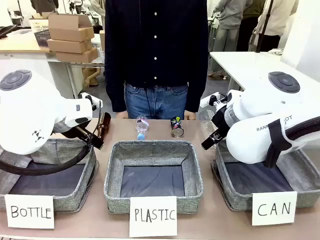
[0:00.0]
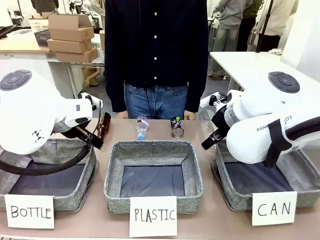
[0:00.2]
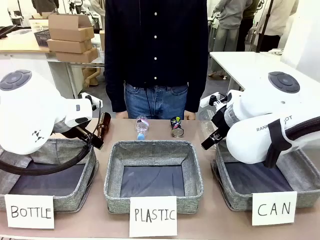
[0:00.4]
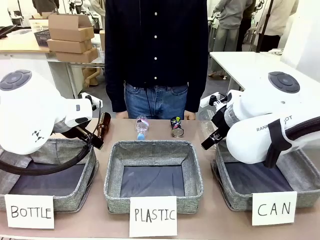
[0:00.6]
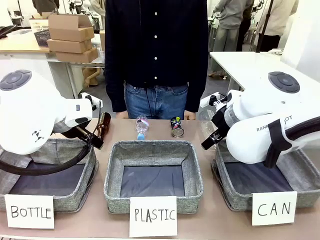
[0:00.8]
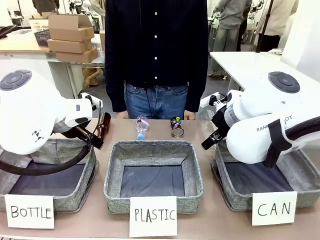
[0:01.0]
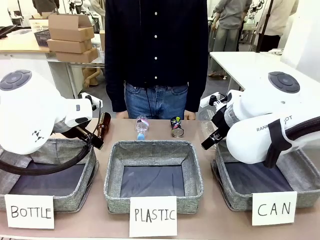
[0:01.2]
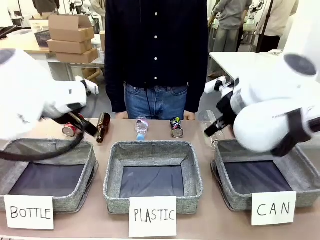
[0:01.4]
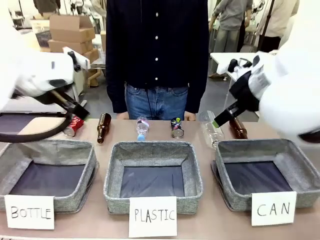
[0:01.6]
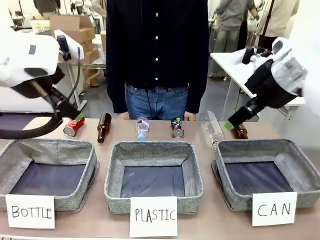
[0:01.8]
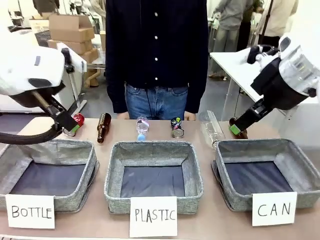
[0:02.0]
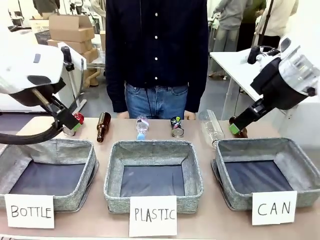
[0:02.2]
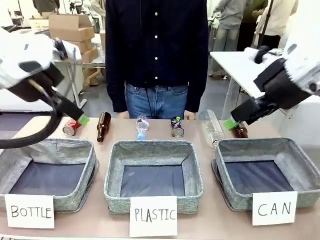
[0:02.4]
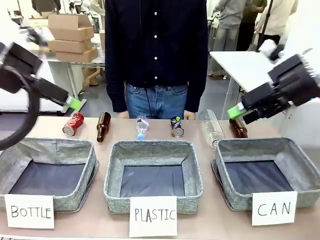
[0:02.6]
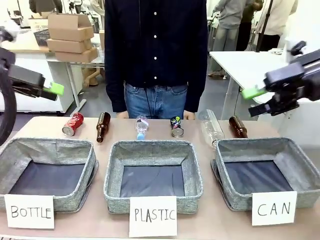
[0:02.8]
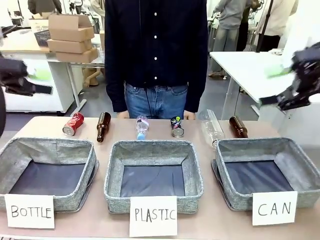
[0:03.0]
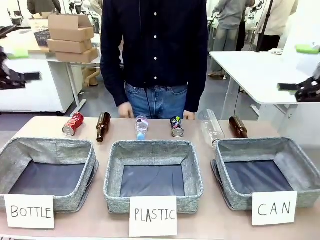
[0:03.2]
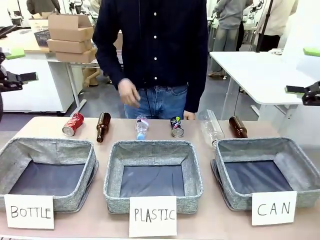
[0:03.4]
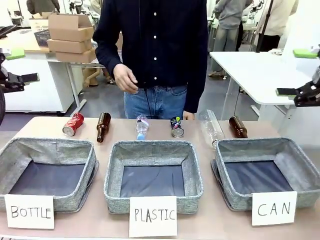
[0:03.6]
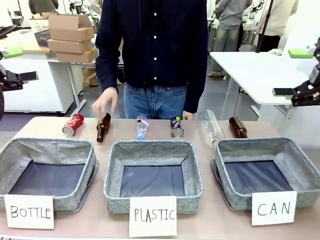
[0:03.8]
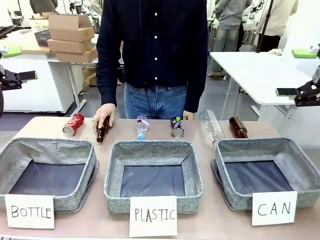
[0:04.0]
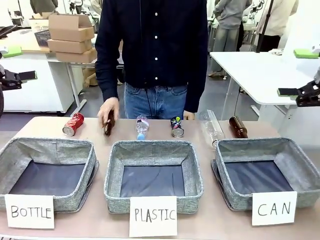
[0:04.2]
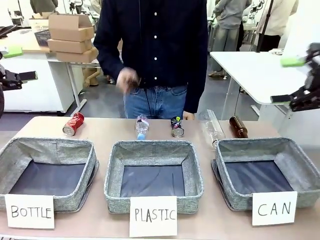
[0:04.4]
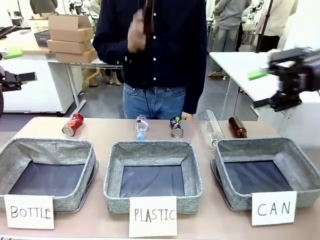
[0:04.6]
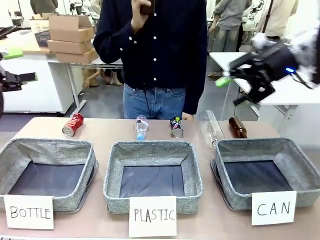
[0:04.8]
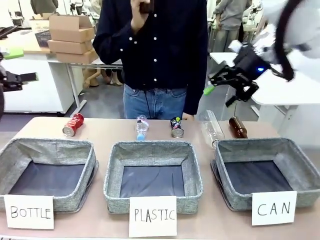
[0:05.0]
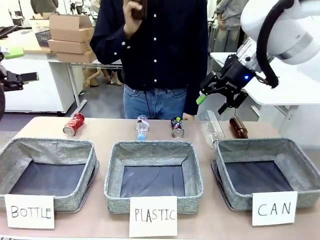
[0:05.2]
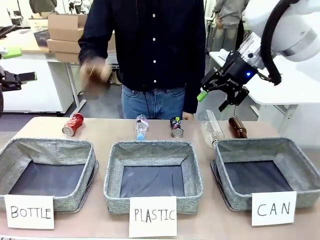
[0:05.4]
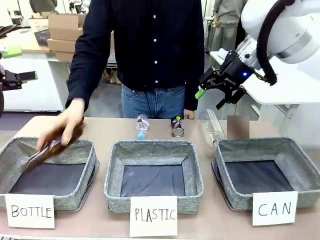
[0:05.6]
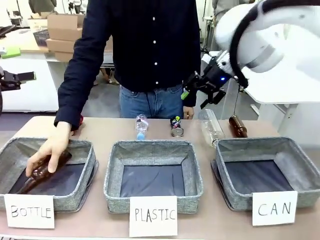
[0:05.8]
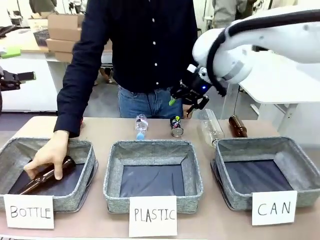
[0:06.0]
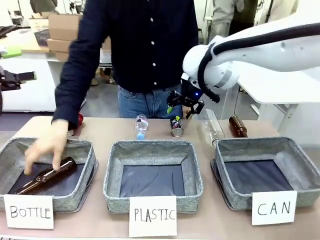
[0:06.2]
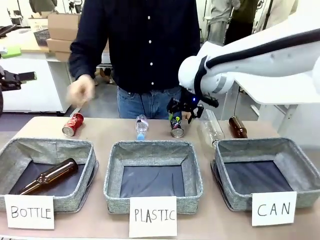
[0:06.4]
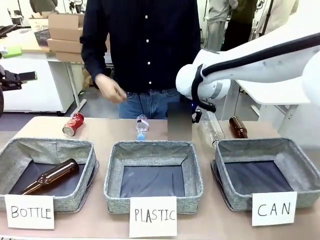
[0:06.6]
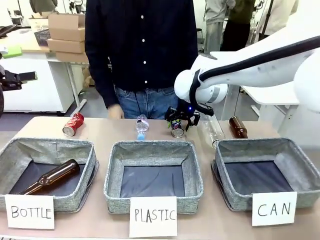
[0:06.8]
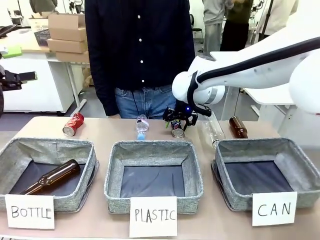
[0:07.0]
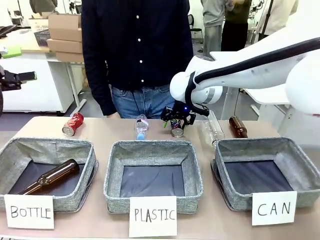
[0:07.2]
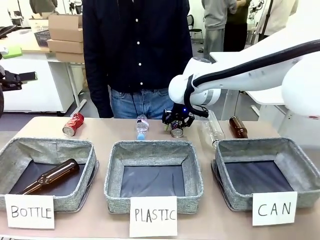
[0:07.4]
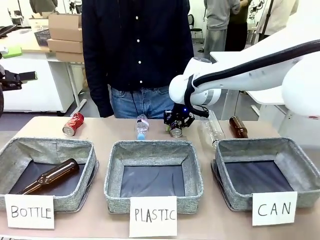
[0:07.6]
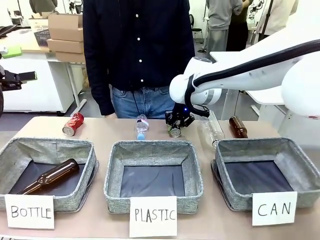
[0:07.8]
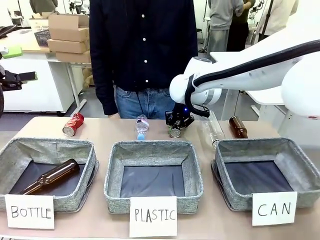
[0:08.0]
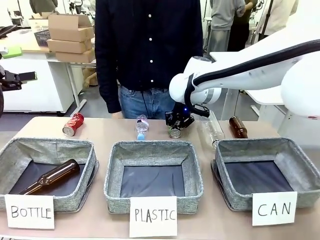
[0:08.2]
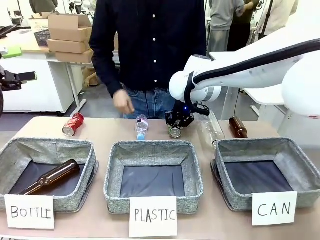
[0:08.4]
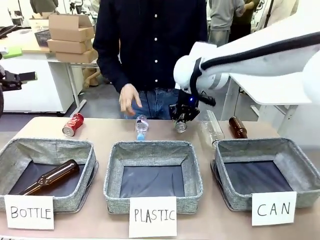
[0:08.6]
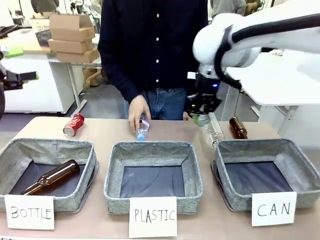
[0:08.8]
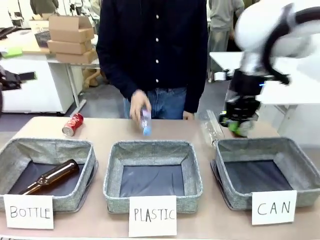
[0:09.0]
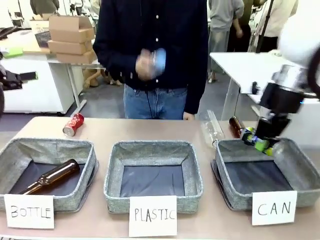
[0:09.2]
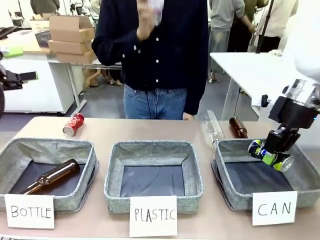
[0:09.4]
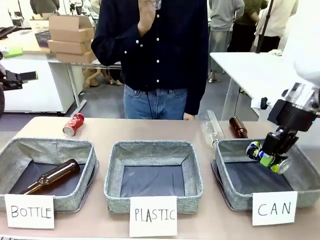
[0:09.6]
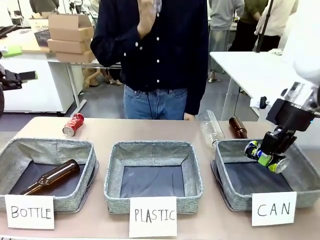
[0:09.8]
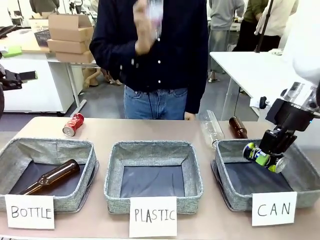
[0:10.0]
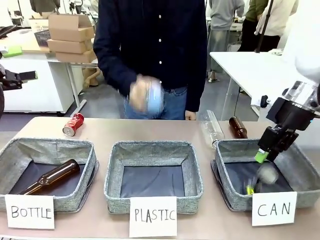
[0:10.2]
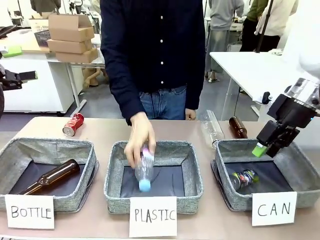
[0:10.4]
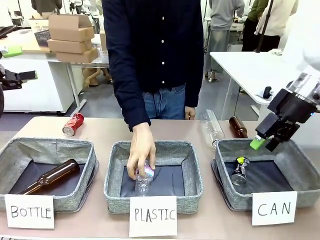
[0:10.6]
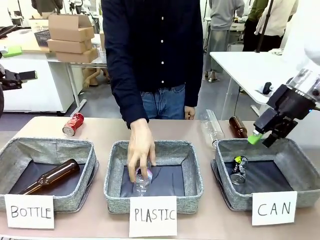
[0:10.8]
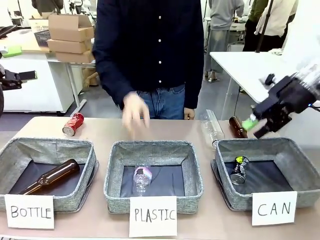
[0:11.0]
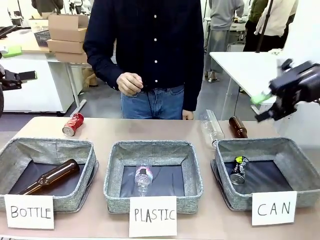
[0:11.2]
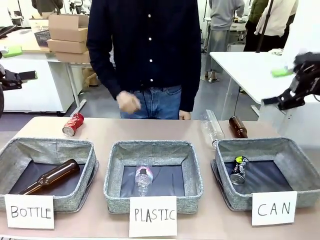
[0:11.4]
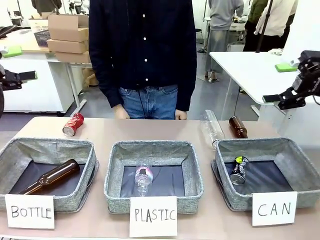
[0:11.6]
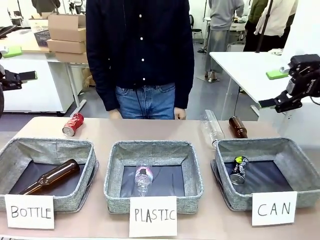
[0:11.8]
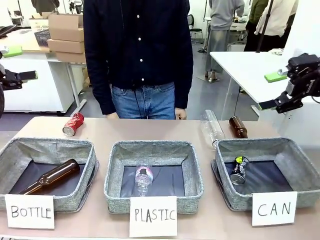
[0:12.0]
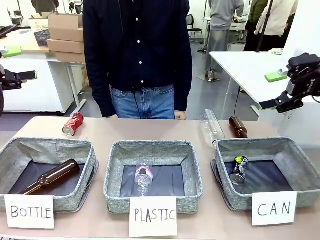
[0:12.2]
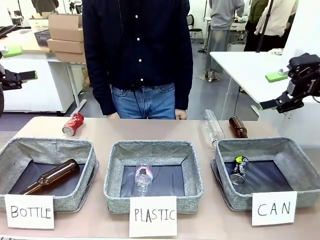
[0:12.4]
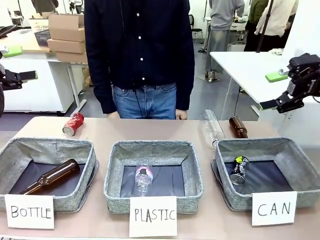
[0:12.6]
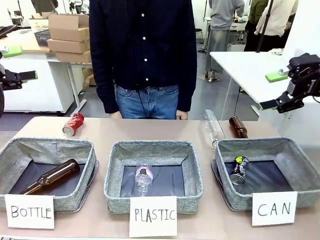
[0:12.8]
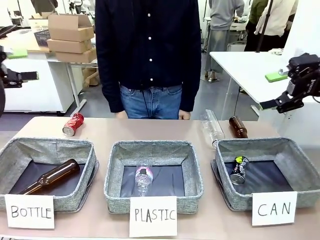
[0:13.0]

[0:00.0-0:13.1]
Task: Sort the can waste into the basket.
Robot: Pick up the can waste from the table and place it in the right Fabric basket.
